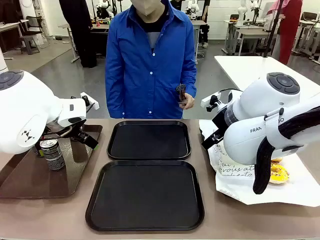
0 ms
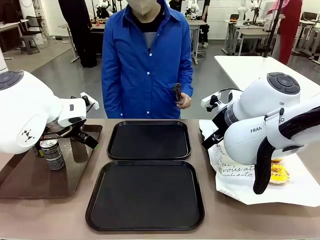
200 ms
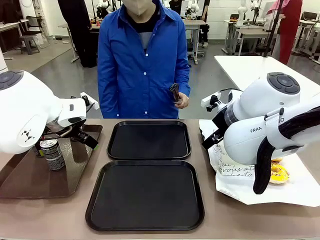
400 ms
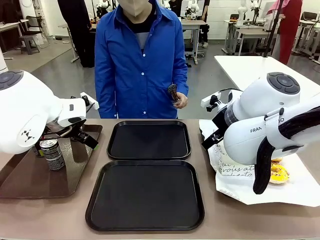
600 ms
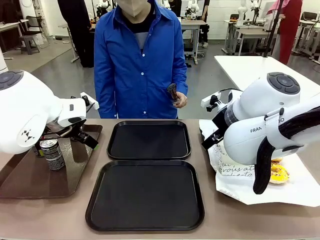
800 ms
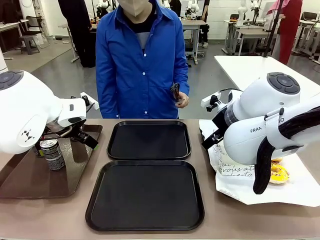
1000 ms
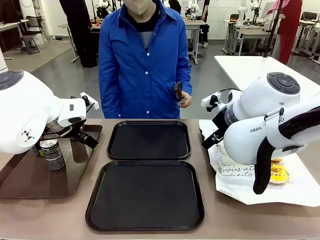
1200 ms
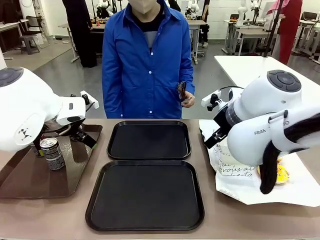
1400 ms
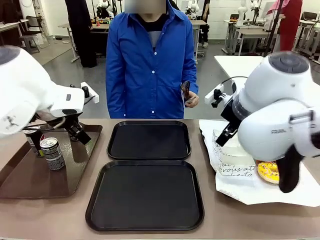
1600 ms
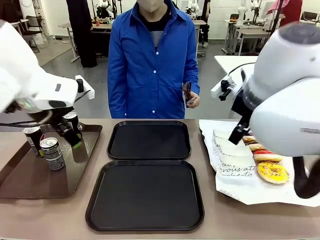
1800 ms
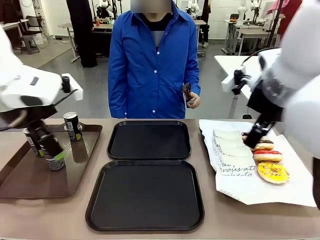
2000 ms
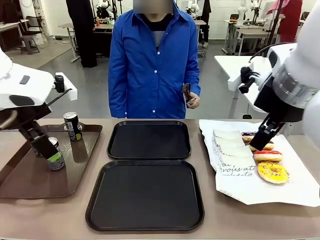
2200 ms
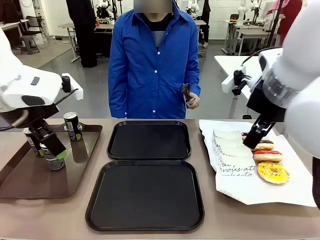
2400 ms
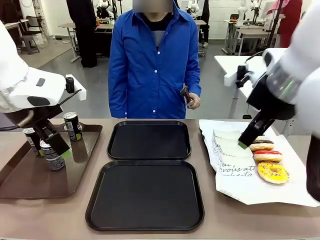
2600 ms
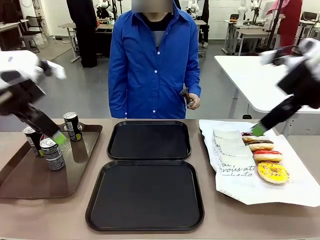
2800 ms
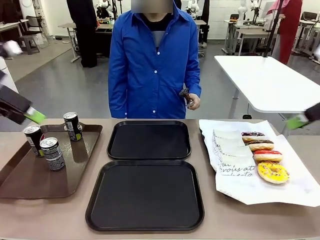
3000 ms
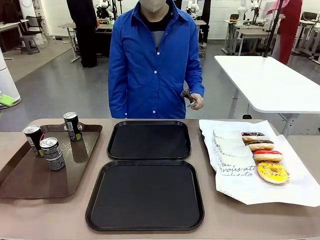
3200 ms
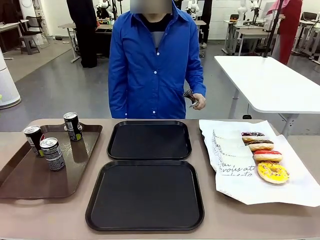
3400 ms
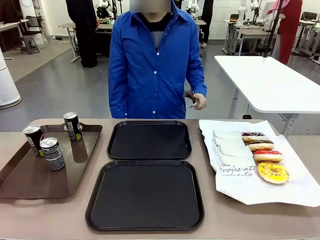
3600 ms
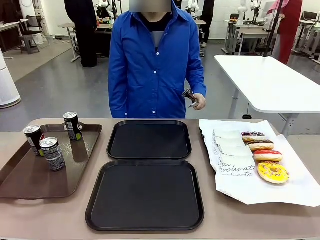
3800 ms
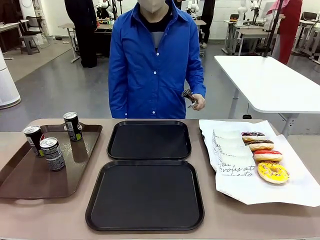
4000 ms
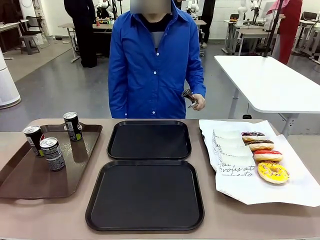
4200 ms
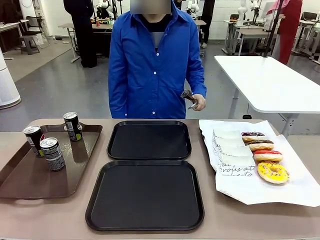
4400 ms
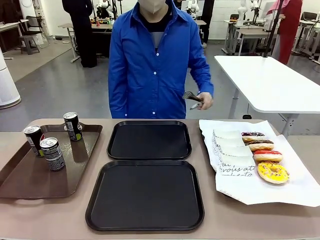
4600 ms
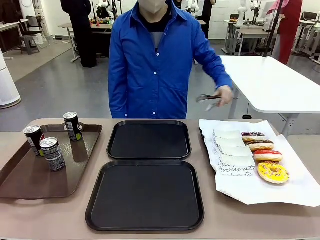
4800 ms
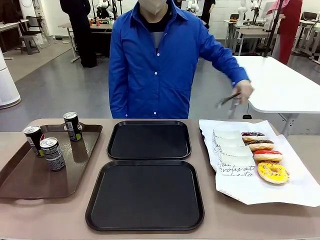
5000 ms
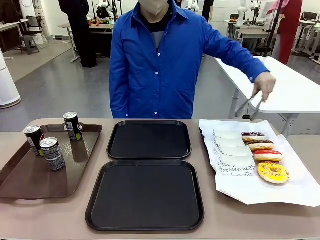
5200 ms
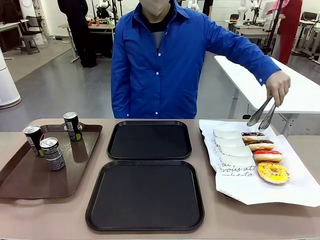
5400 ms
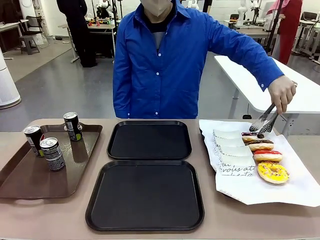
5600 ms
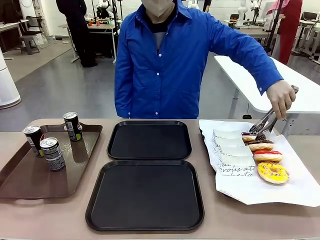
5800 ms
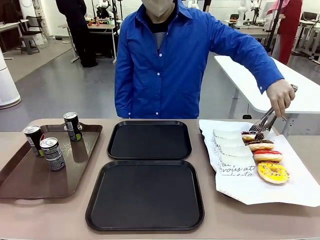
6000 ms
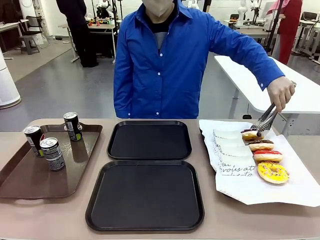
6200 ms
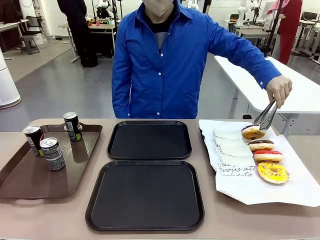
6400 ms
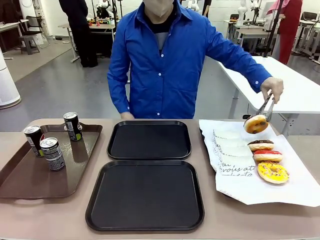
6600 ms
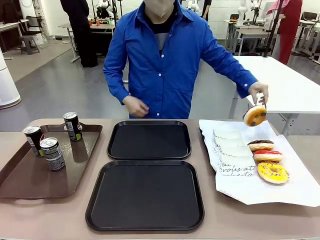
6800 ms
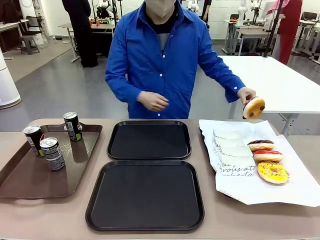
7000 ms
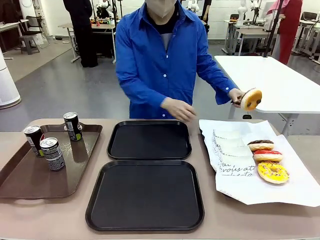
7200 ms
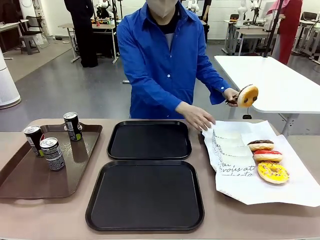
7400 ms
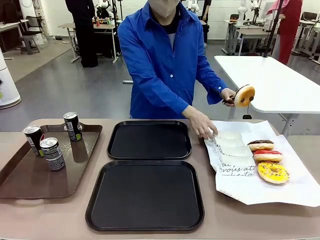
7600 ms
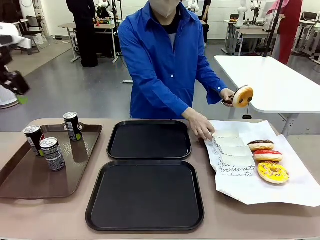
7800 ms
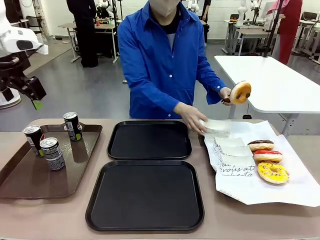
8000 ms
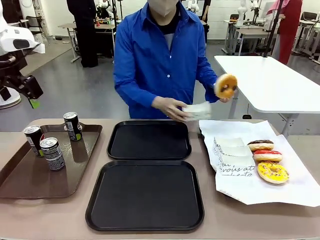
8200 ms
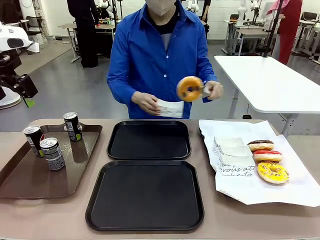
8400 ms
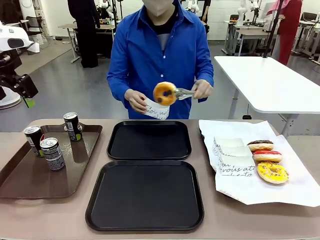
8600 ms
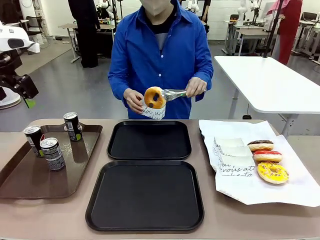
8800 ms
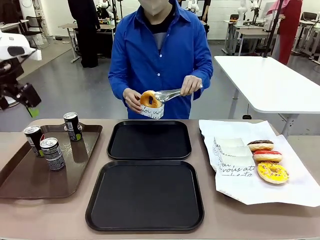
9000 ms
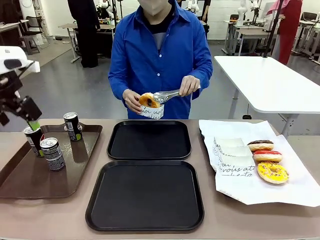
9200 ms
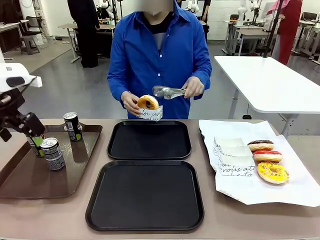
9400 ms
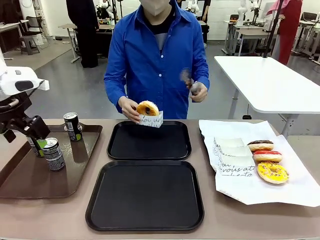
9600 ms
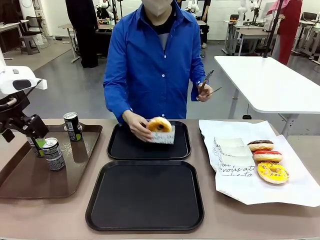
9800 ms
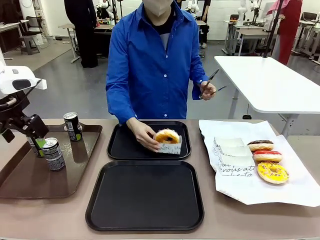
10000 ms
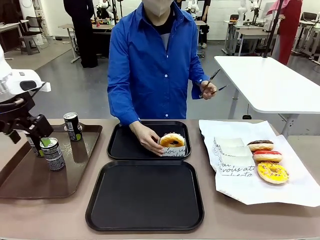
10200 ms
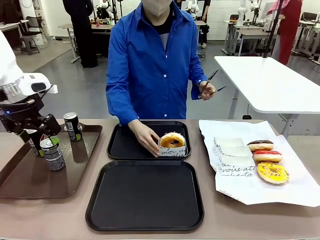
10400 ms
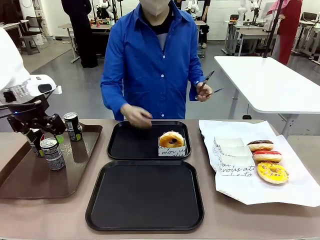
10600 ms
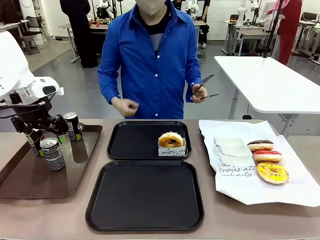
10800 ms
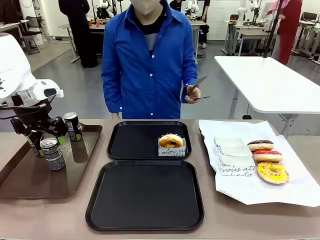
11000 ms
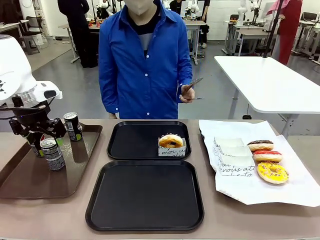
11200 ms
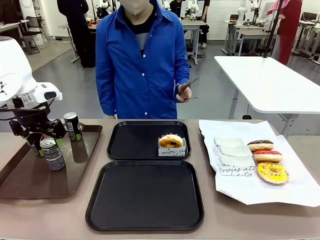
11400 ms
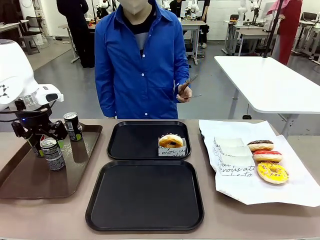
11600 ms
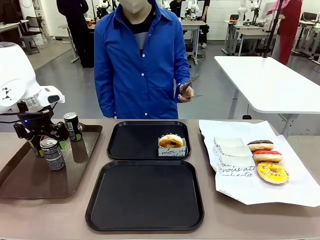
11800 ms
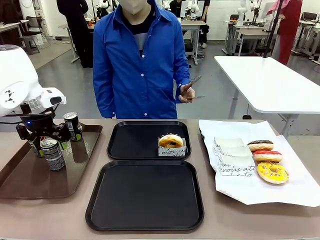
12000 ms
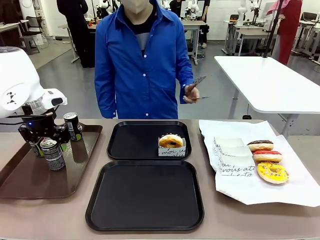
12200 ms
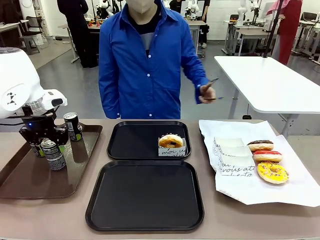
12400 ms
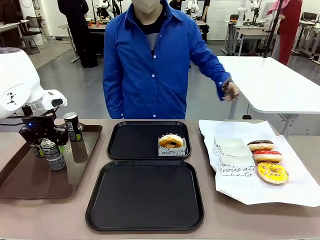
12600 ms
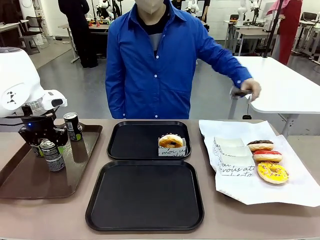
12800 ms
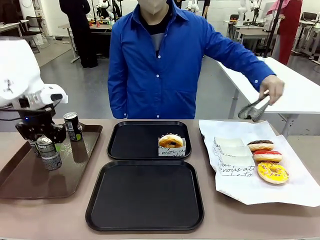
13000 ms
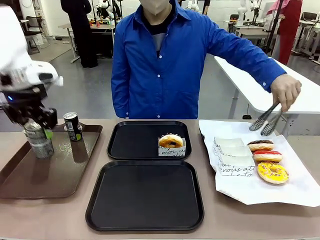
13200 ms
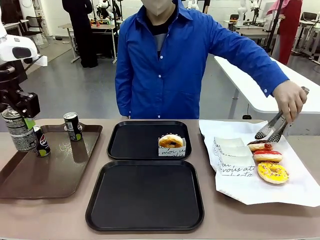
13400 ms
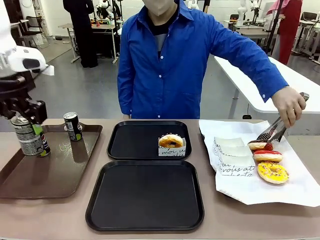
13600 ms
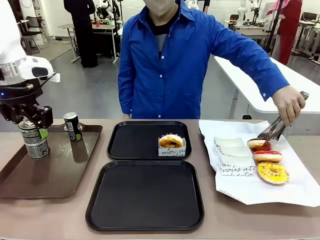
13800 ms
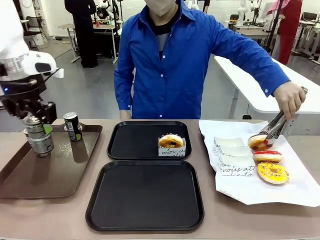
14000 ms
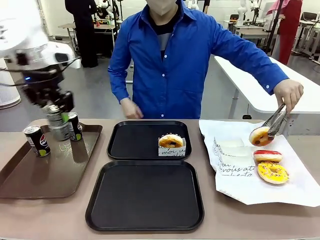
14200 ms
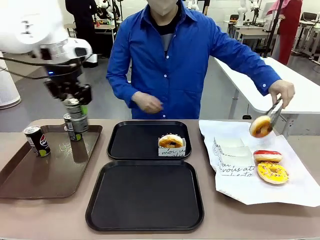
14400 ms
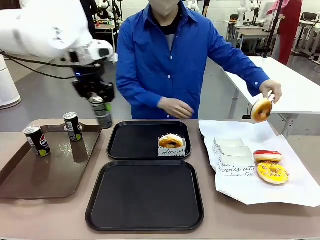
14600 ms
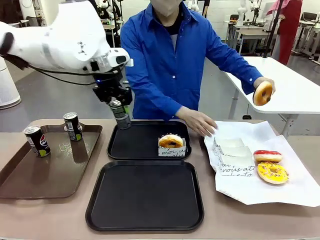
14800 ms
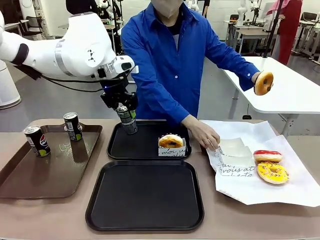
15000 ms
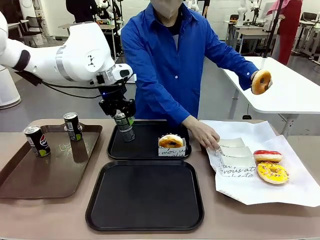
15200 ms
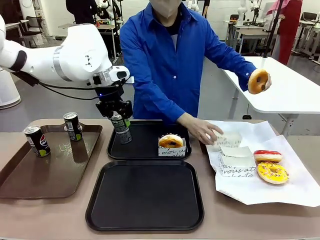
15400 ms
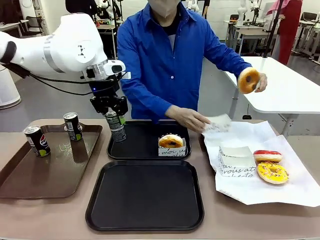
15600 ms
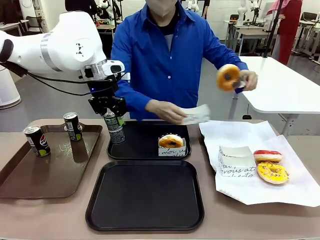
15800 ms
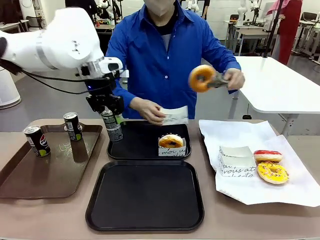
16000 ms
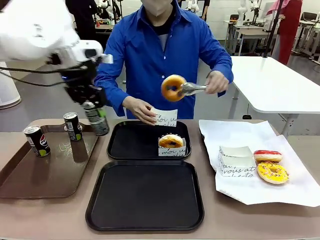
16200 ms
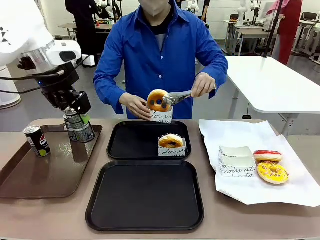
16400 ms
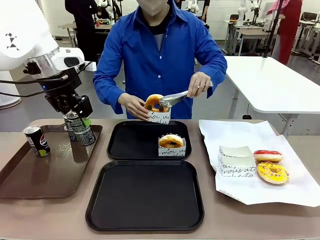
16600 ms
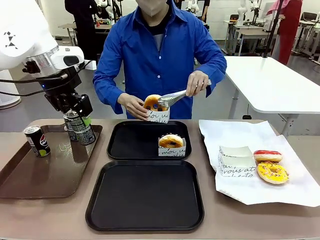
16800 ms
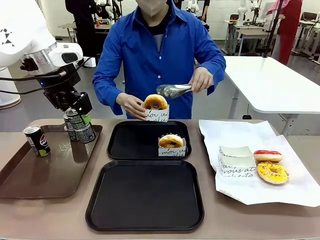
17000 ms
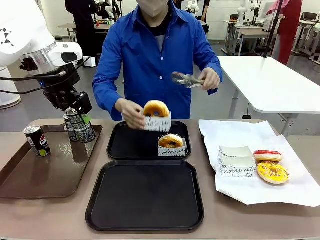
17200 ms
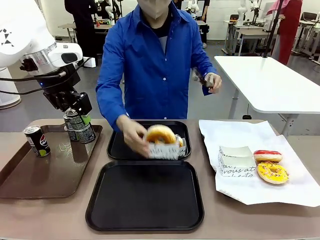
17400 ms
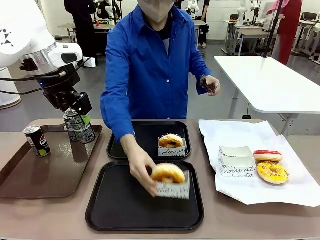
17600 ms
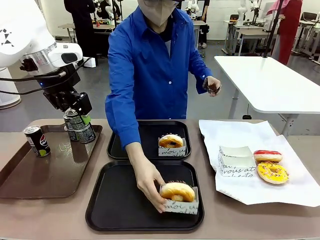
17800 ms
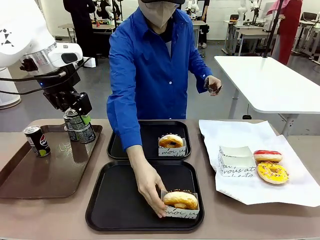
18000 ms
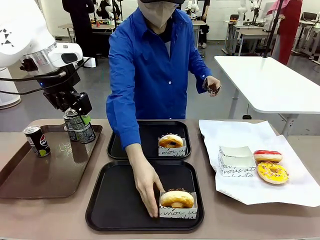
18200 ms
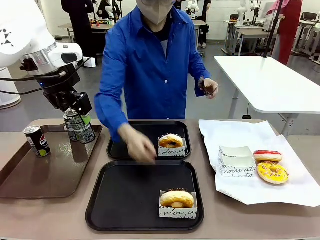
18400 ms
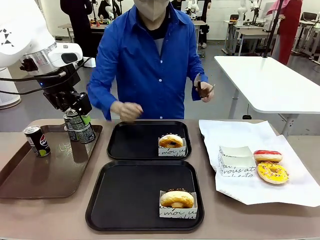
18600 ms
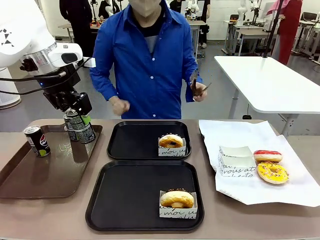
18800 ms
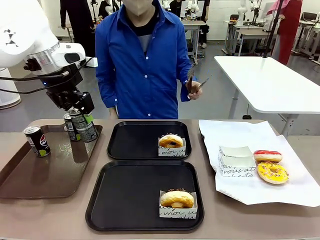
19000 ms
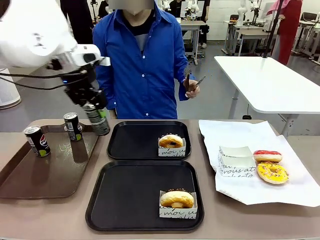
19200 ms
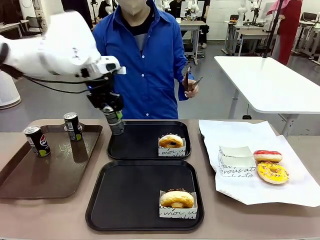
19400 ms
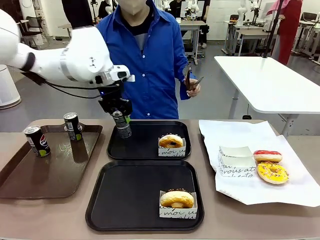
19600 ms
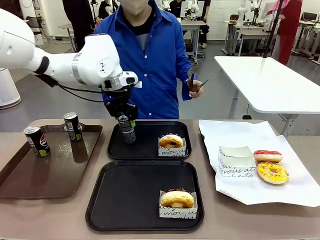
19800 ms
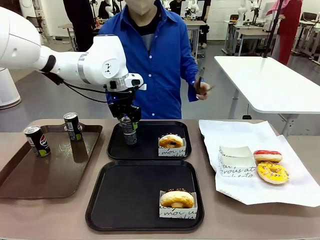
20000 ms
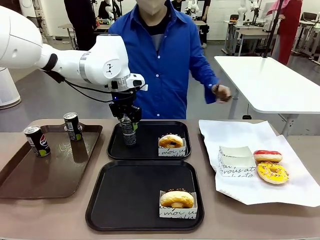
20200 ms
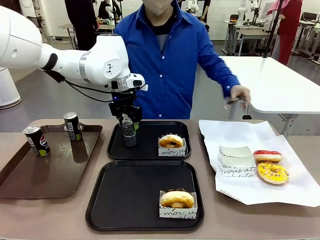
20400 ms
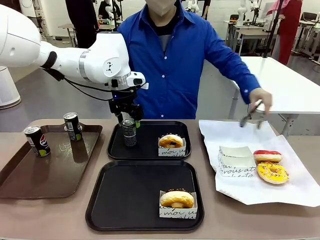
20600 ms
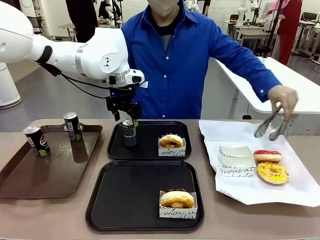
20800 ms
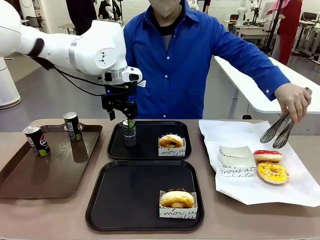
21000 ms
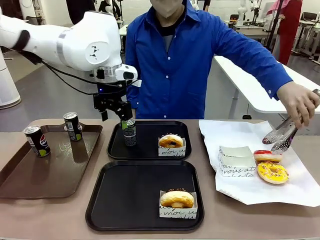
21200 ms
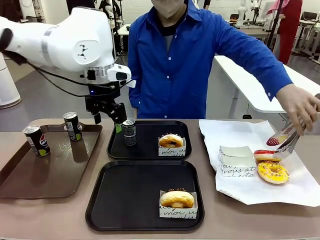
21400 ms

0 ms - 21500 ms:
Task: Set up donuts and drinks on trays.
Robot: Pick up one Pepsi coke and place it on the Flat Tray.
Person: Pick up one donut with tongs, place it in the donut tray, and then place the donut tray on the flat tray.
